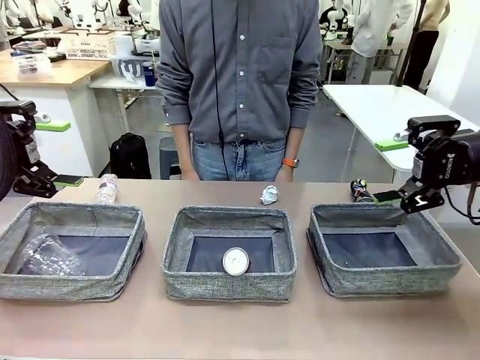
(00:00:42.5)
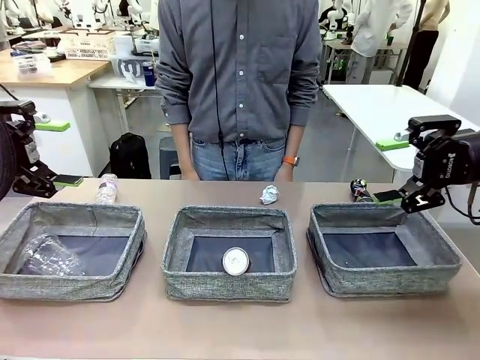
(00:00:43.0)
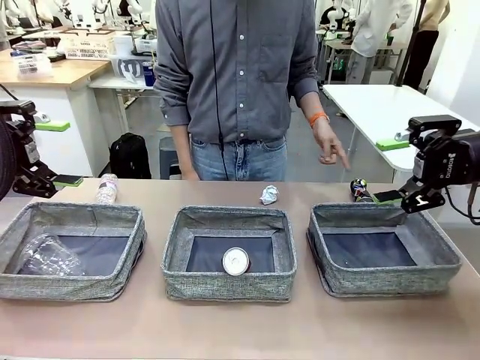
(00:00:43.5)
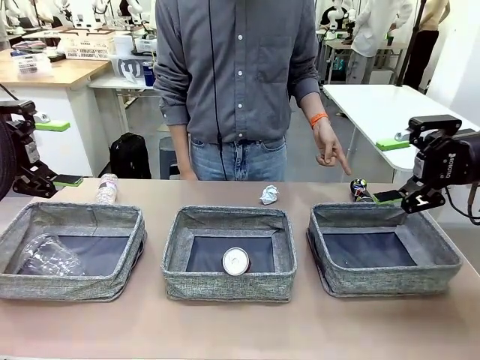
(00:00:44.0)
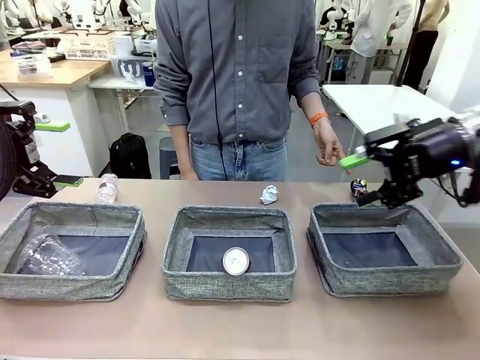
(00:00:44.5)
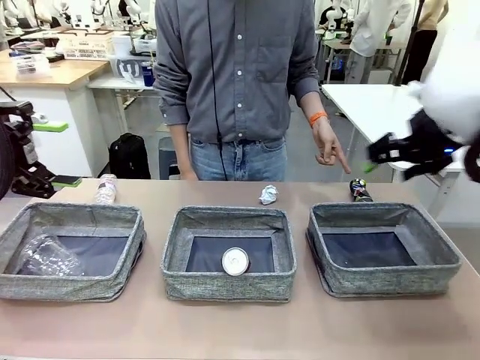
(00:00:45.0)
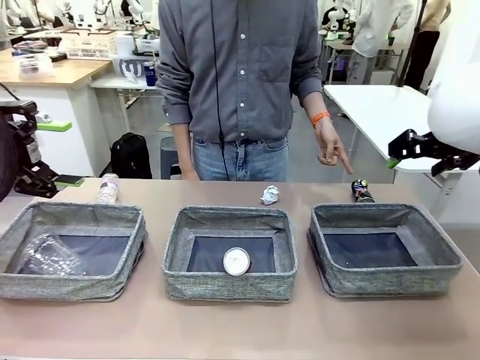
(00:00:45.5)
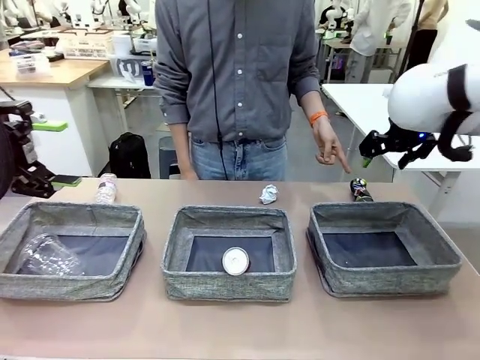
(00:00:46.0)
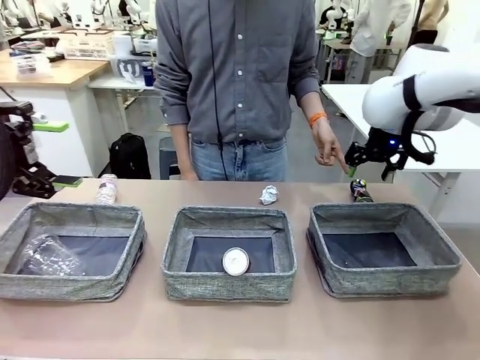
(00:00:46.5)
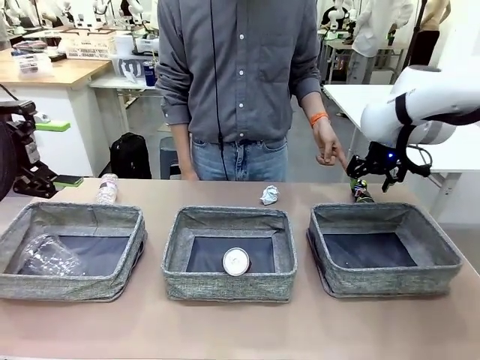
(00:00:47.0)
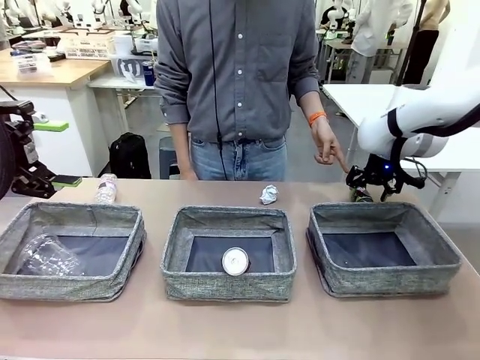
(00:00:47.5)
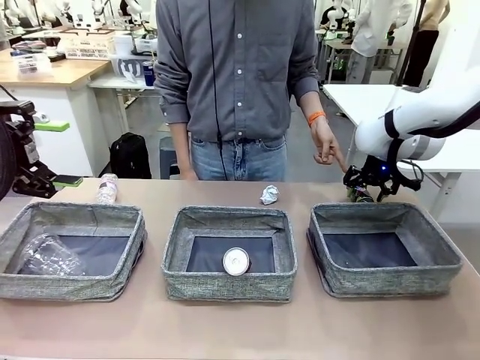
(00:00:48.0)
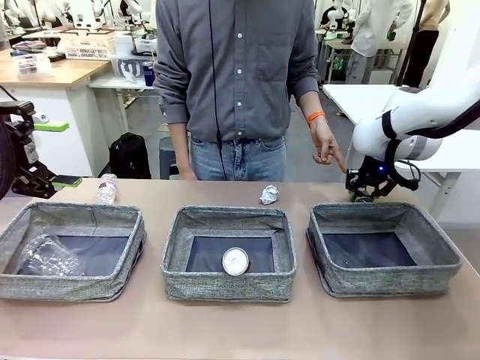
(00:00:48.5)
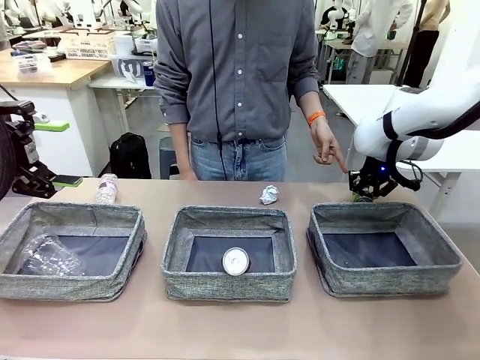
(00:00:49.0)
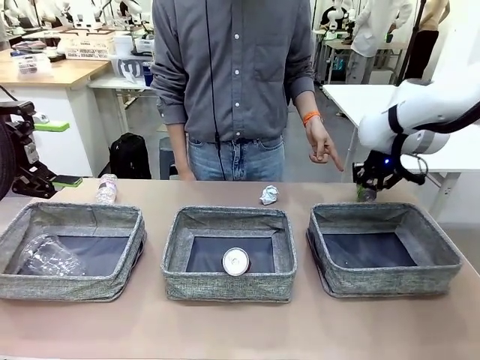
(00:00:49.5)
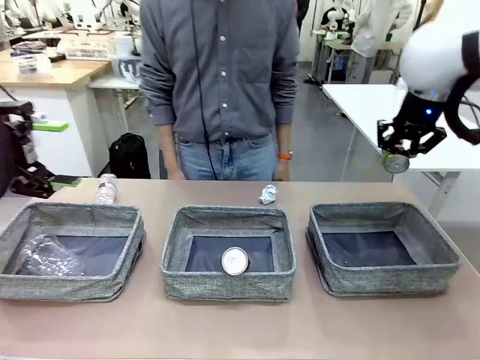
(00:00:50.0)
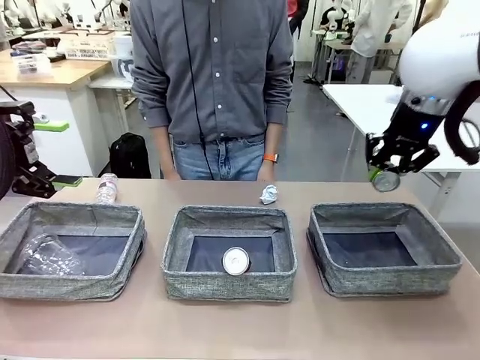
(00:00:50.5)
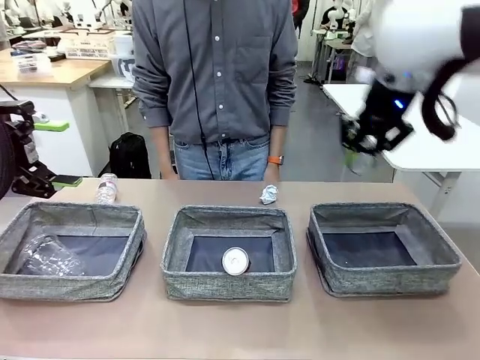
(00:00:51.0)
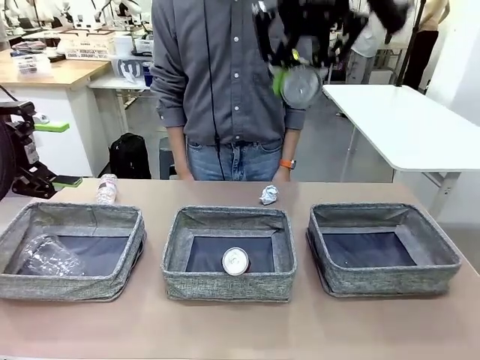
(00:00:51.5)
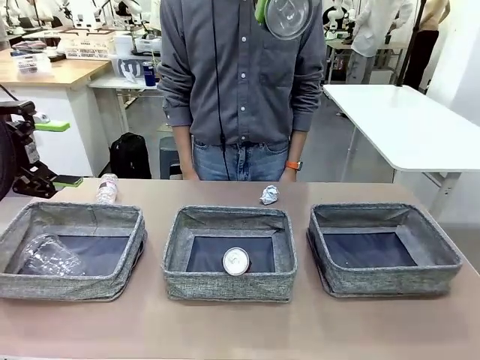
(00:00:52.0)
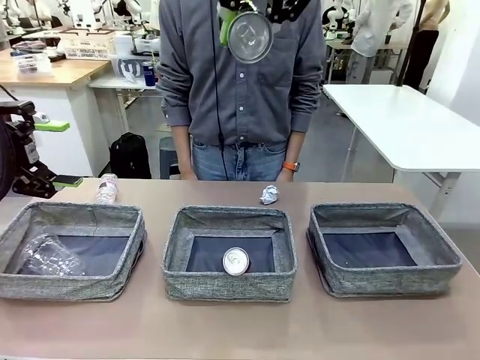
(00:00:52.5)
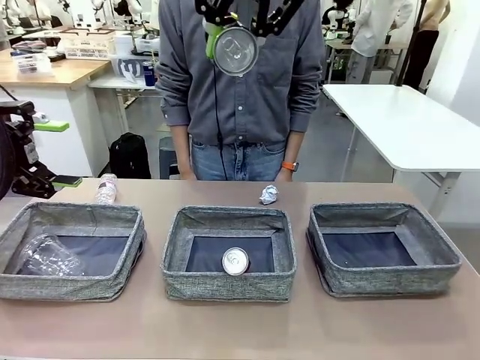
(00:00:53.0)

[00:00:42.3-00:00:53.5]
Task: Sort the waste into the appropriate baskets.
Robot: Pick up the waste item pointed out by the person.
Person: Points to one piece of trash on the table.

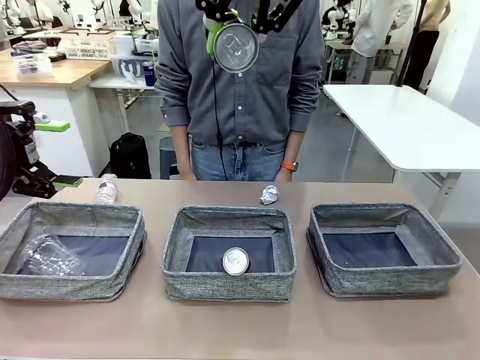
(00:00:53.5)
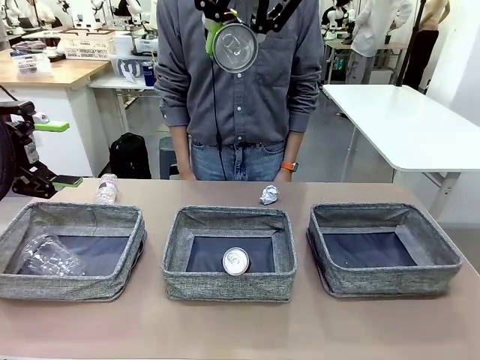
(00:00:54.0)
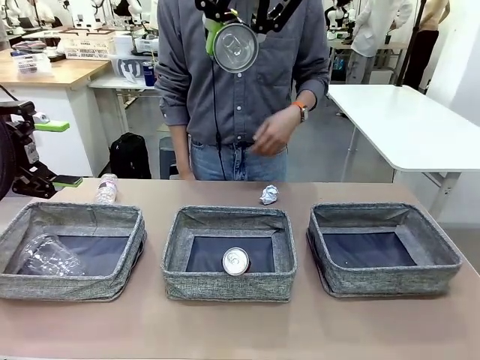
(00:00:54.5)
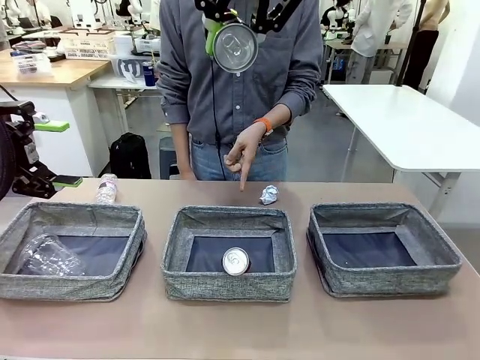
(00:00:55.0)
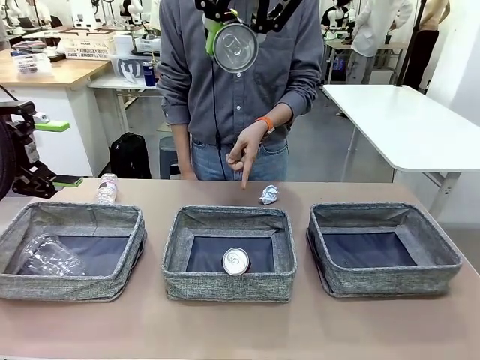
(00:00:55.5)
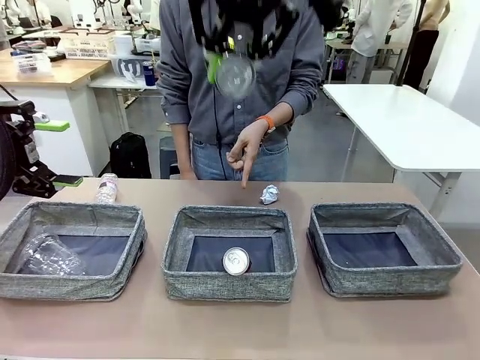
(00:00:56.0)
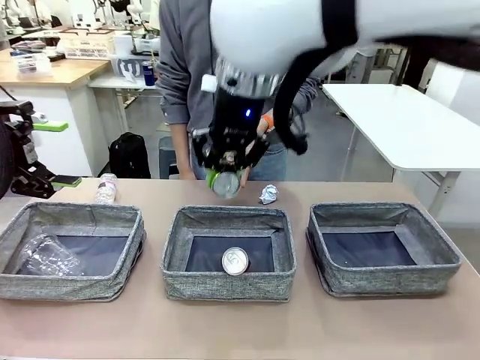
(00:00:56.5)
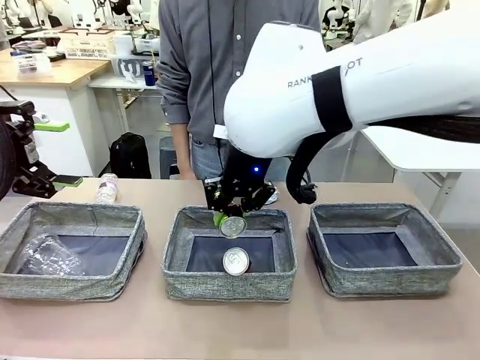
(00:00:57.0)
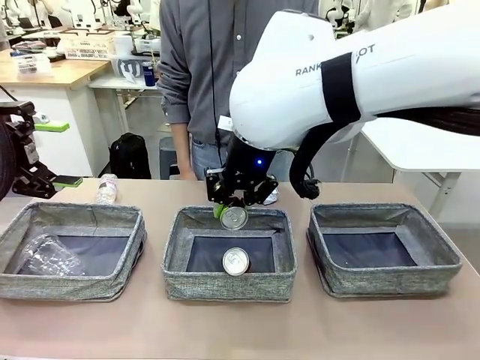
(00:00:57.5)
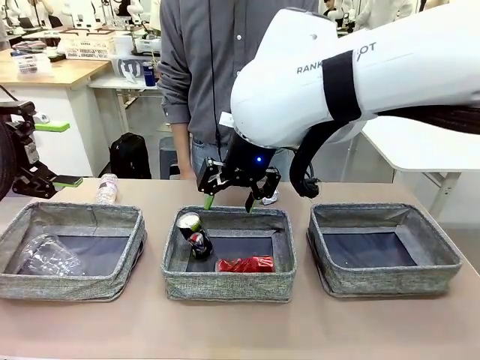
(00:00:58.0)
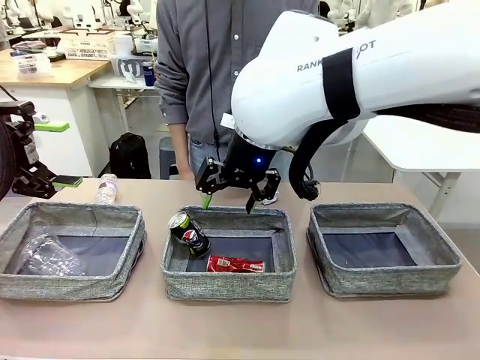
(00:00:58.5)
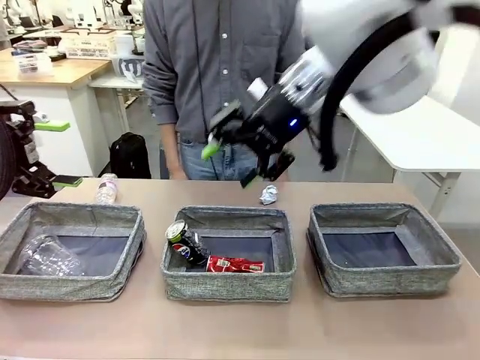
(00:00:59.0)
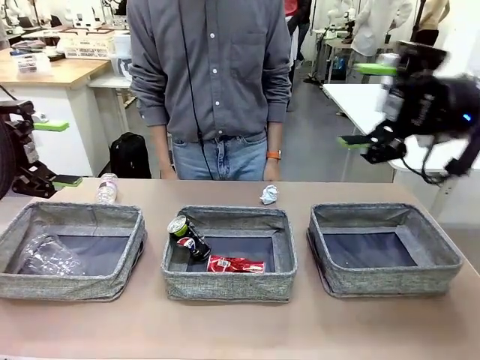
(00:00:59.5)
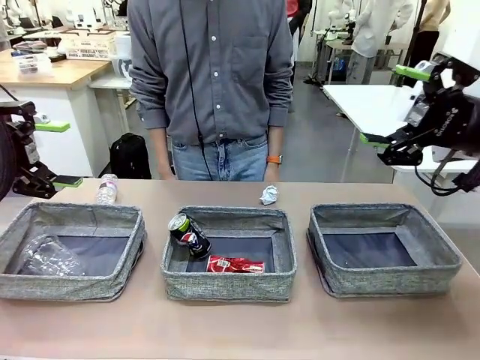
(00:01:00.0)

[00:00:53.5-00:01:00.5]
Robot: Place the picked waste into the Fabric basket indicated by the person.
Person: Instructs the robot to place the picked-up trash into the appropriate organizing basket.

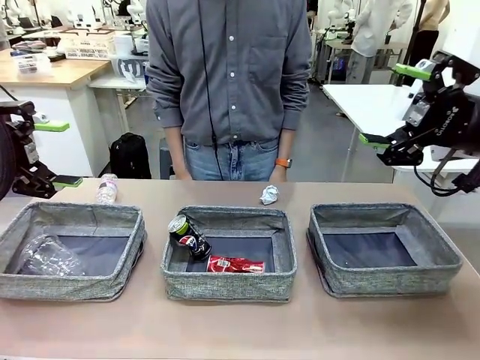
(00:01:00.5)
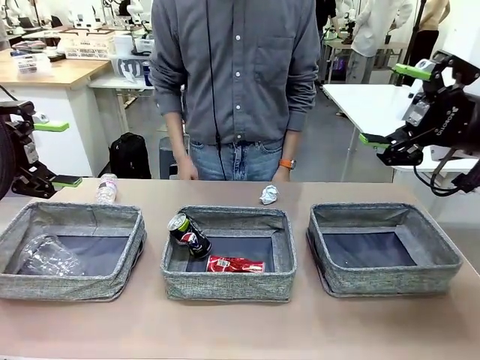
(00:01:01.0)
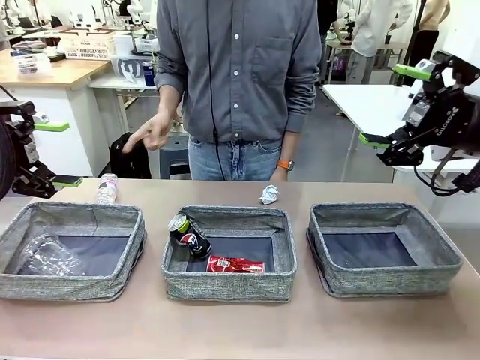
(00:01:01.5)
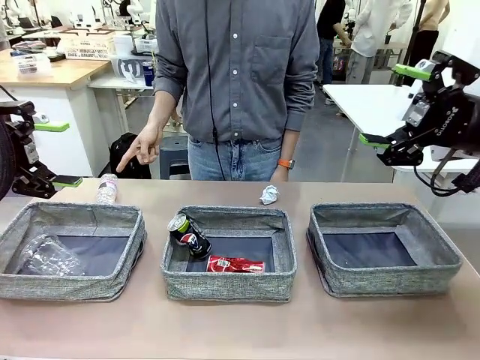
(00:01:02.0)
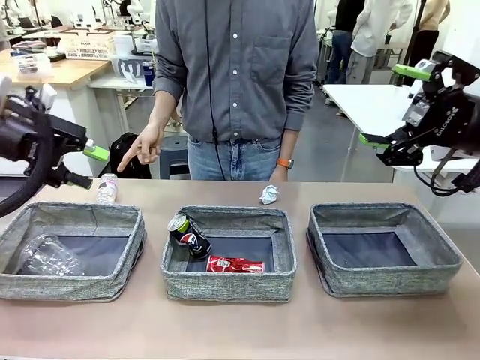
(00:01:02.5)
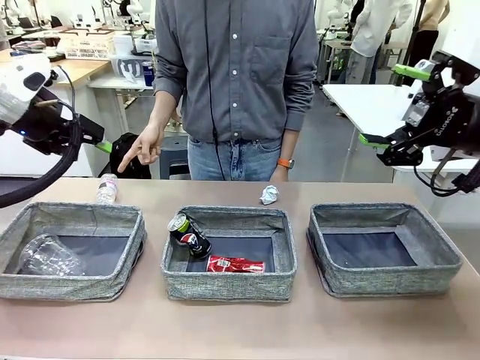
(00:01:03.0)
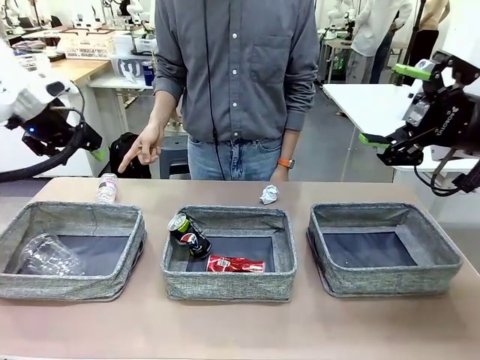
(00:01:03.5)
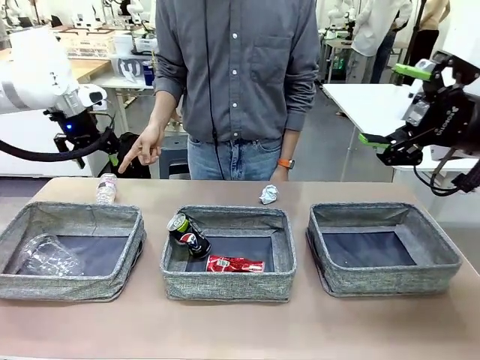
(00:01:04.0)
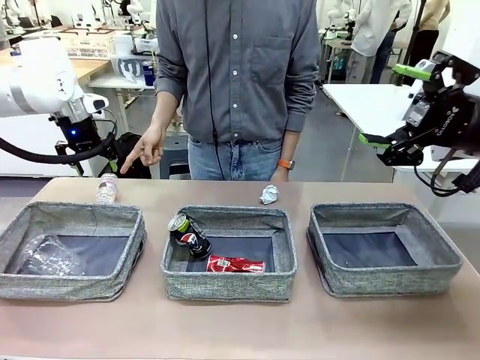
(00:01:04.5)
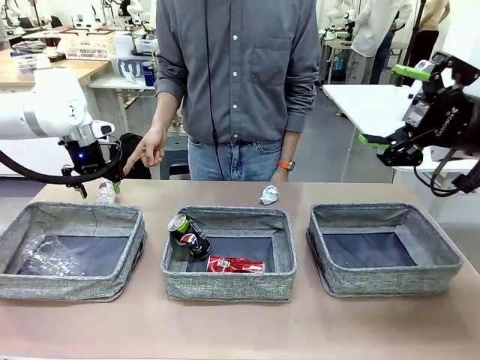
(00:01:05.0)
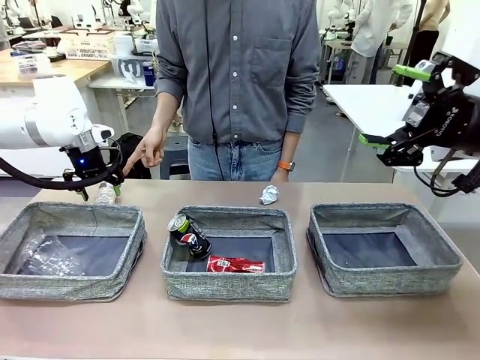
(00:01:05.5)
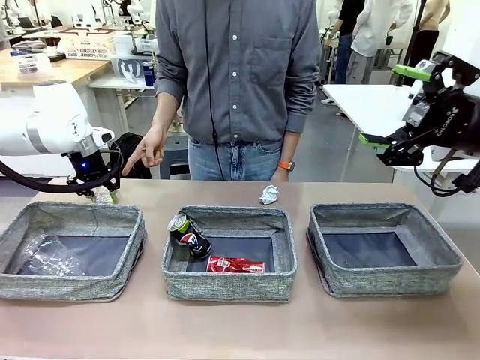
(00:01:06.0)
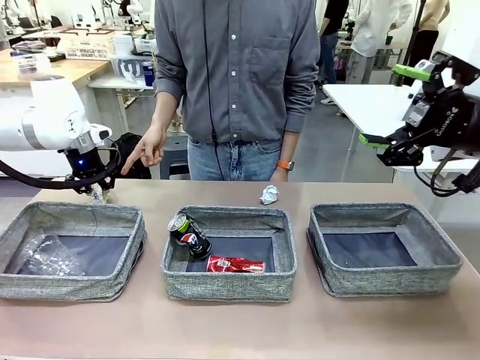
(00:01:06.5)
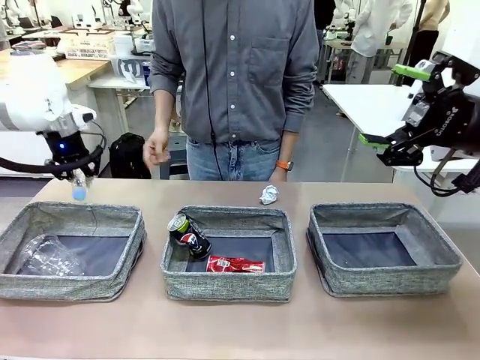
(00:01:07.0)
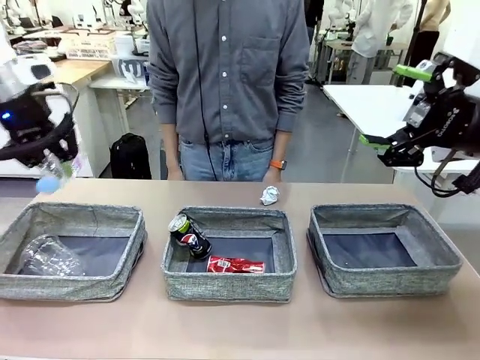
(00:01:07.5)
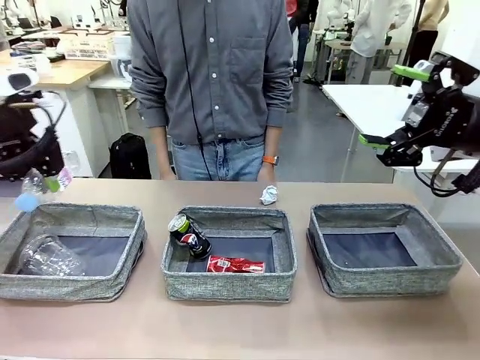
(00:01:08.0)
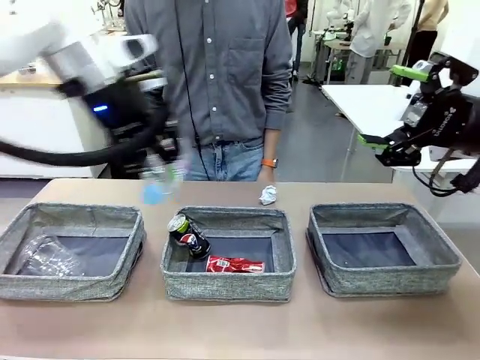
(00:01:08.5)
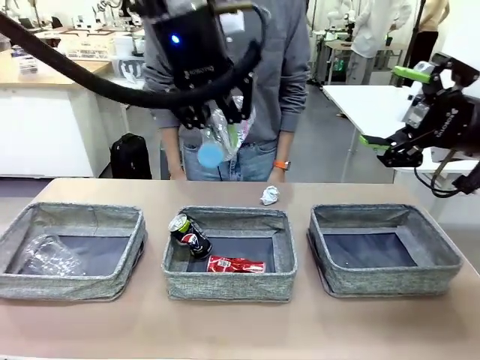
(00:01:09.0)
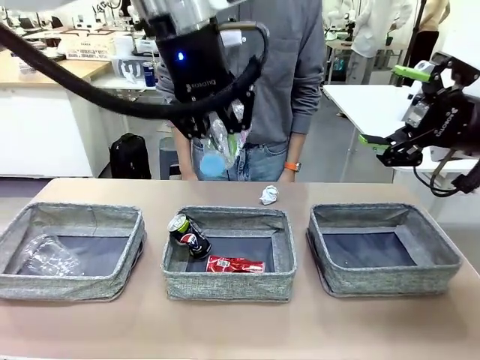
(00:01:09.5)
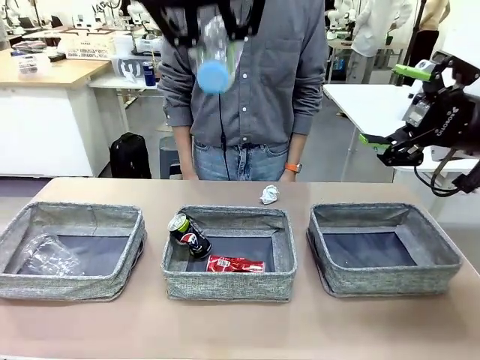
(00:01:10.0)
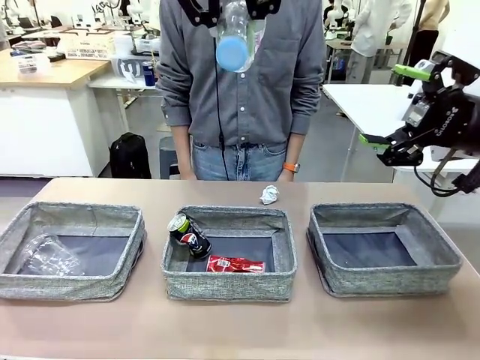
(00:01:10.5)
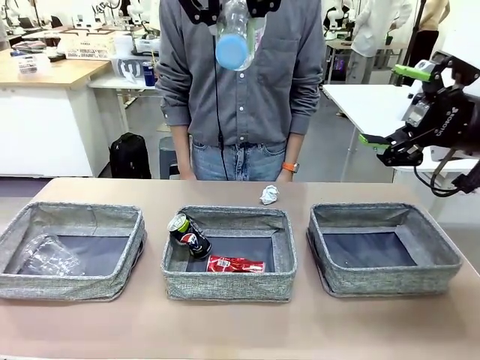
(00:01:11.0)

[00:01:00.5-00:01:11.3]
Robot: Pick up the waste item pointed out by the person.
Person: Points to one piece of trash on the table.
